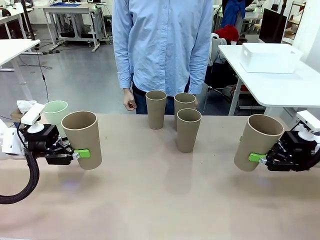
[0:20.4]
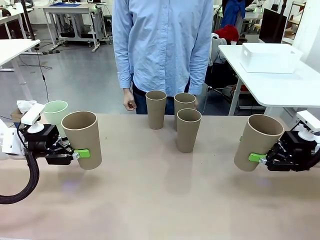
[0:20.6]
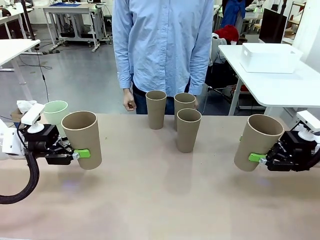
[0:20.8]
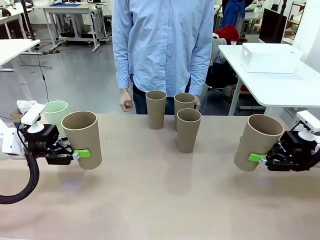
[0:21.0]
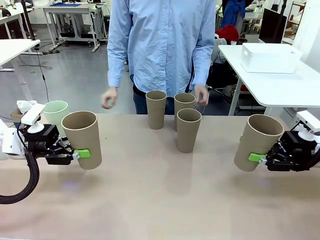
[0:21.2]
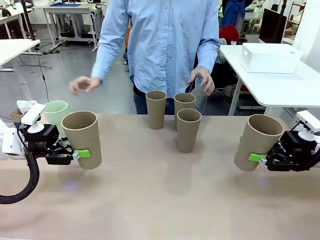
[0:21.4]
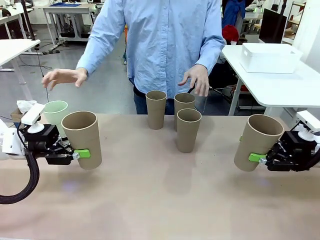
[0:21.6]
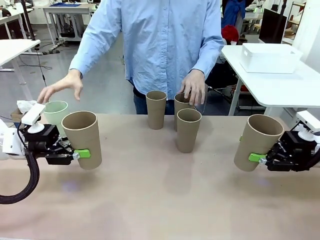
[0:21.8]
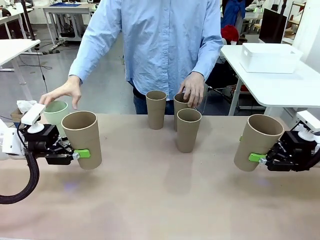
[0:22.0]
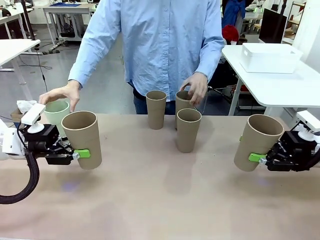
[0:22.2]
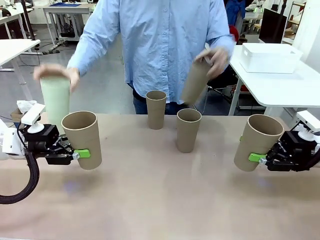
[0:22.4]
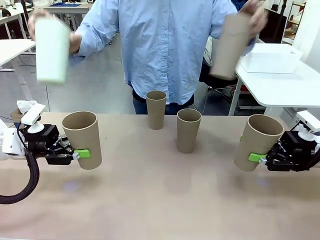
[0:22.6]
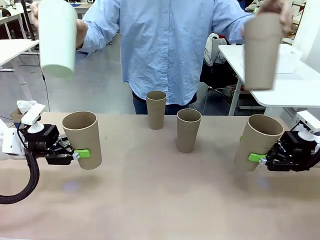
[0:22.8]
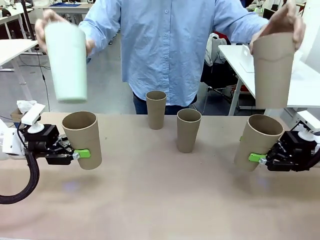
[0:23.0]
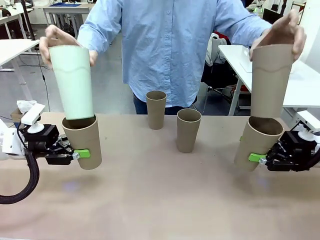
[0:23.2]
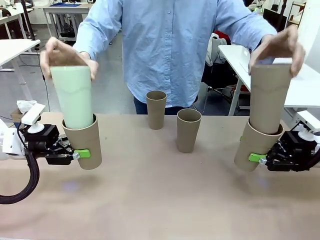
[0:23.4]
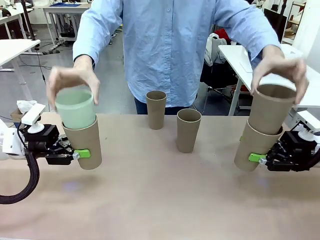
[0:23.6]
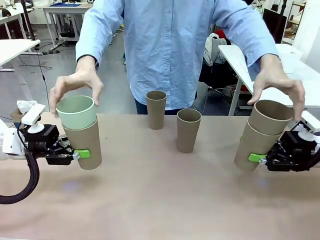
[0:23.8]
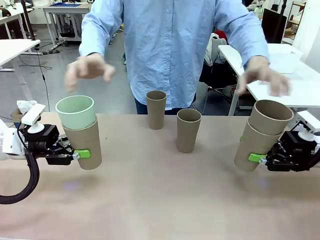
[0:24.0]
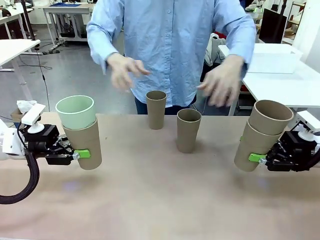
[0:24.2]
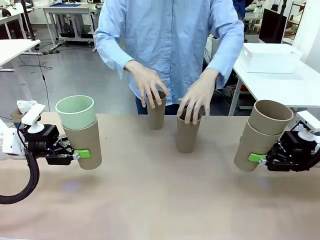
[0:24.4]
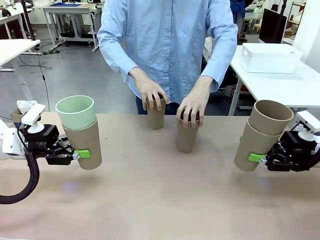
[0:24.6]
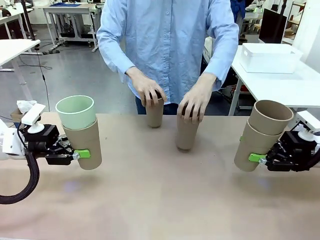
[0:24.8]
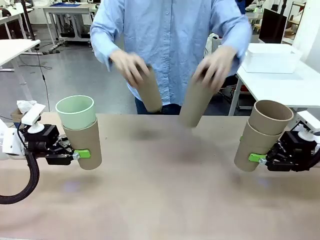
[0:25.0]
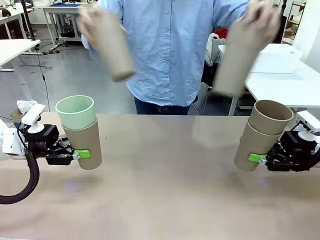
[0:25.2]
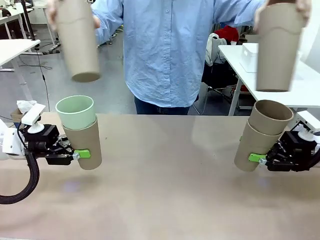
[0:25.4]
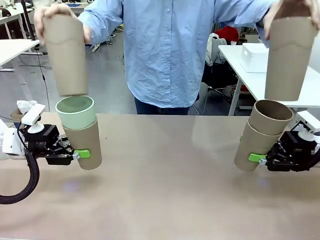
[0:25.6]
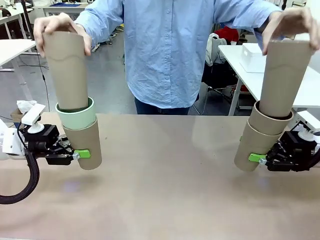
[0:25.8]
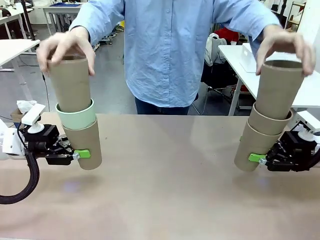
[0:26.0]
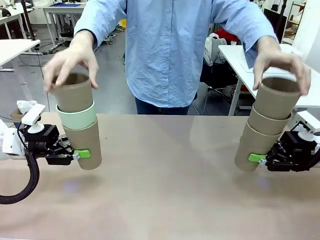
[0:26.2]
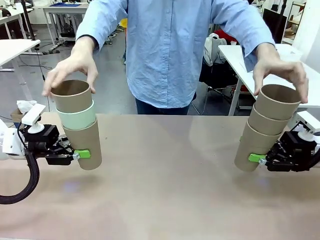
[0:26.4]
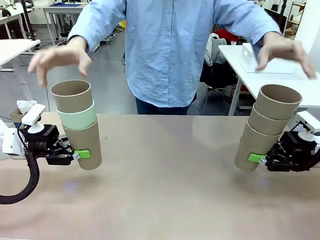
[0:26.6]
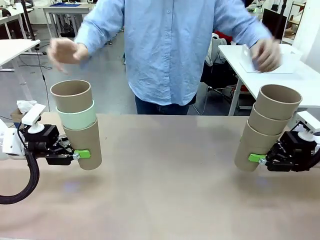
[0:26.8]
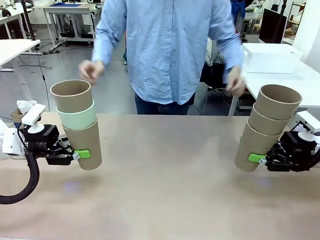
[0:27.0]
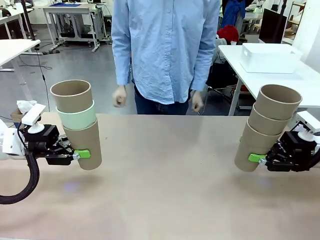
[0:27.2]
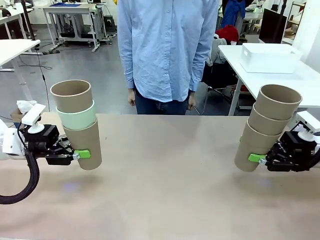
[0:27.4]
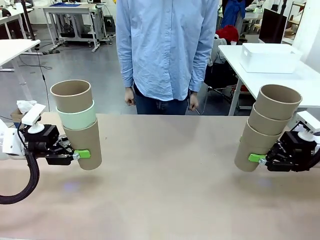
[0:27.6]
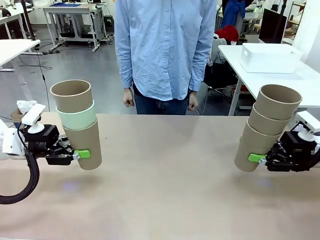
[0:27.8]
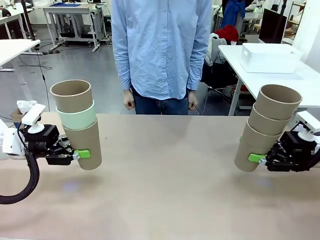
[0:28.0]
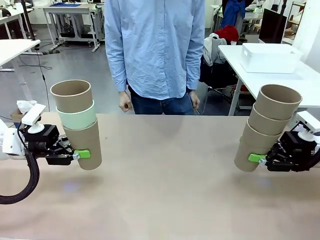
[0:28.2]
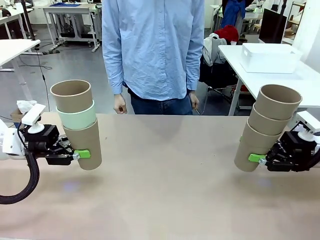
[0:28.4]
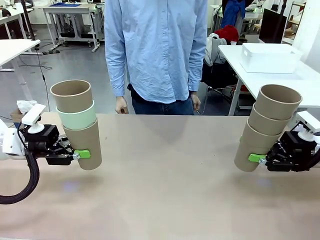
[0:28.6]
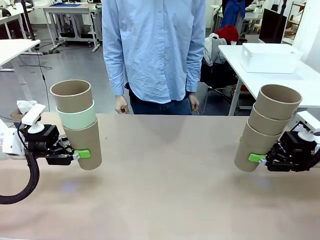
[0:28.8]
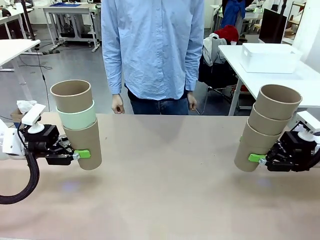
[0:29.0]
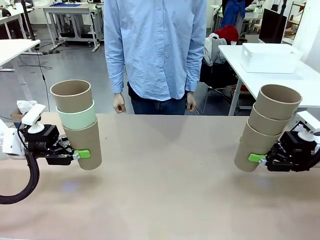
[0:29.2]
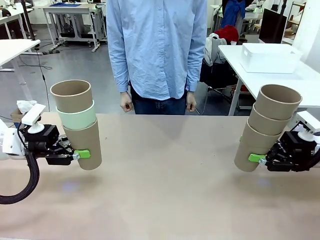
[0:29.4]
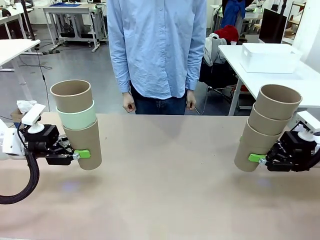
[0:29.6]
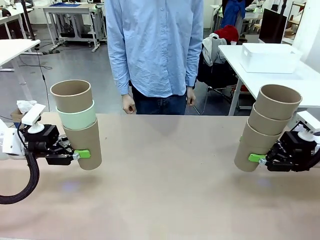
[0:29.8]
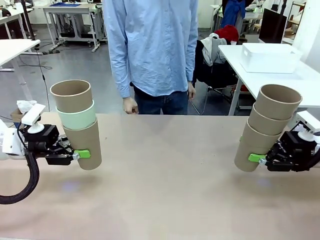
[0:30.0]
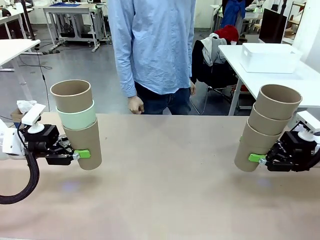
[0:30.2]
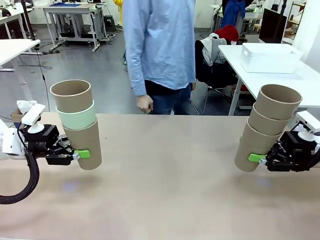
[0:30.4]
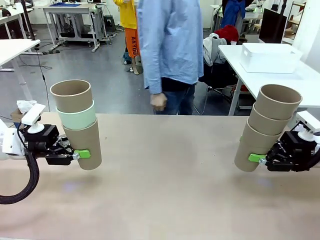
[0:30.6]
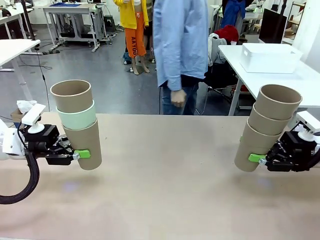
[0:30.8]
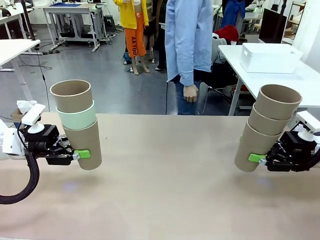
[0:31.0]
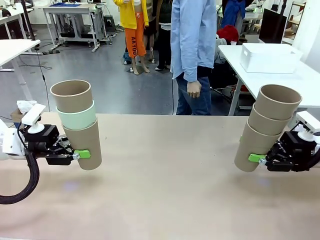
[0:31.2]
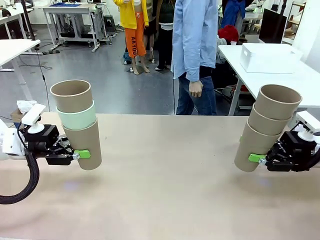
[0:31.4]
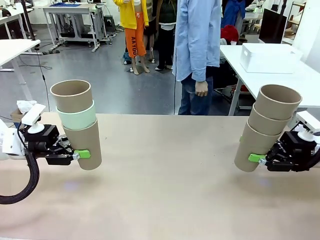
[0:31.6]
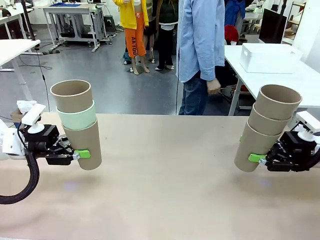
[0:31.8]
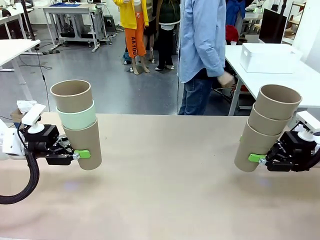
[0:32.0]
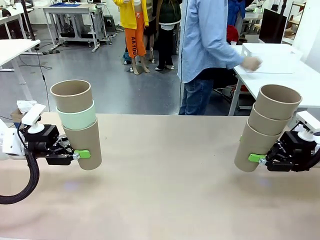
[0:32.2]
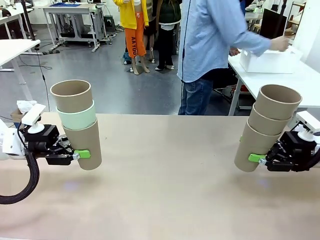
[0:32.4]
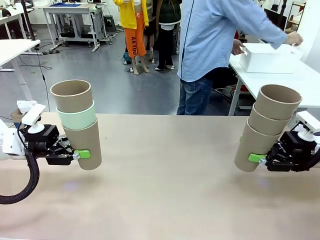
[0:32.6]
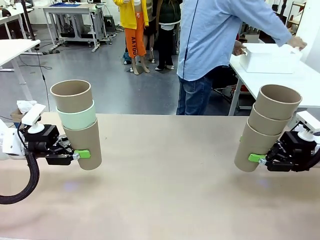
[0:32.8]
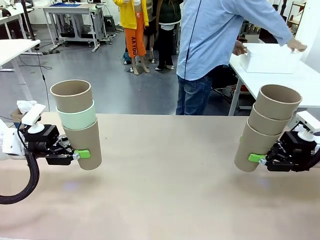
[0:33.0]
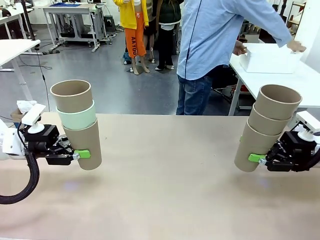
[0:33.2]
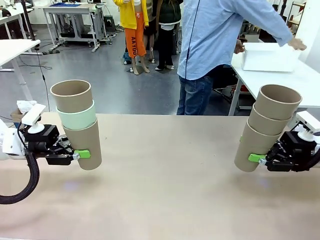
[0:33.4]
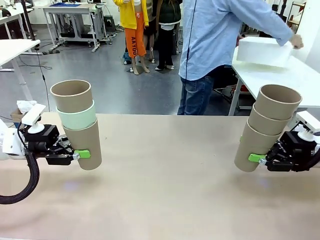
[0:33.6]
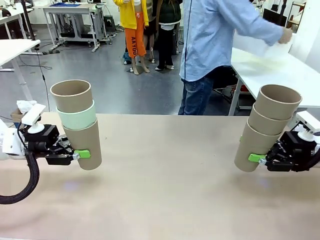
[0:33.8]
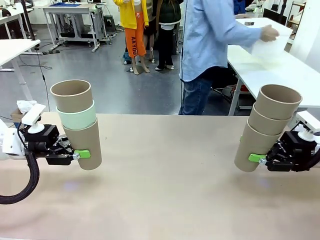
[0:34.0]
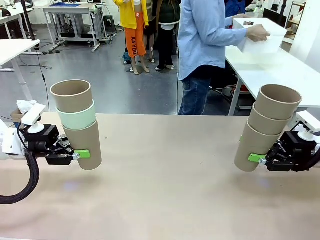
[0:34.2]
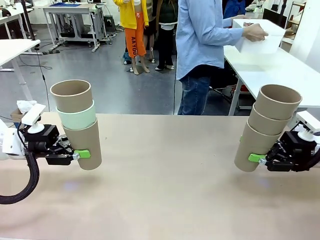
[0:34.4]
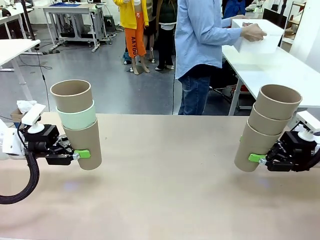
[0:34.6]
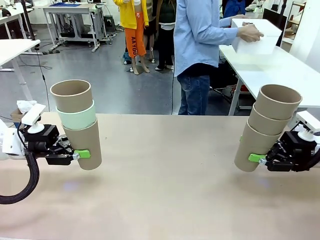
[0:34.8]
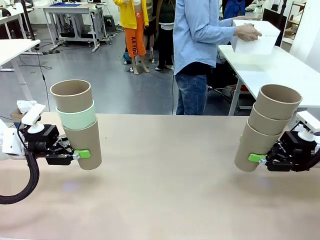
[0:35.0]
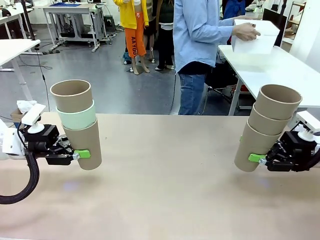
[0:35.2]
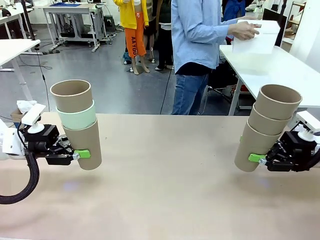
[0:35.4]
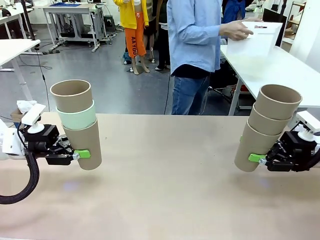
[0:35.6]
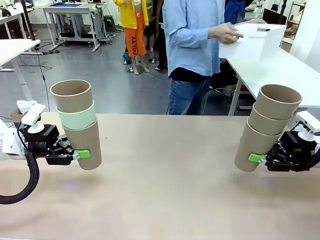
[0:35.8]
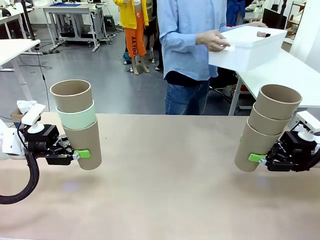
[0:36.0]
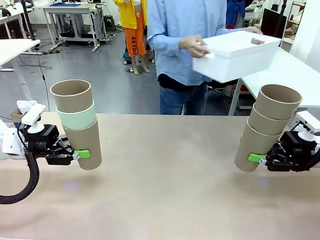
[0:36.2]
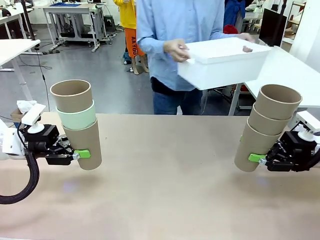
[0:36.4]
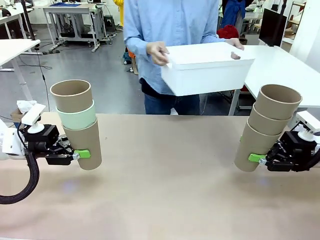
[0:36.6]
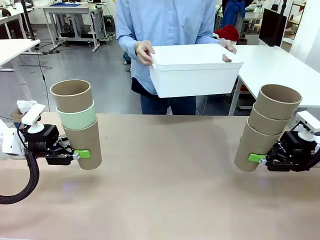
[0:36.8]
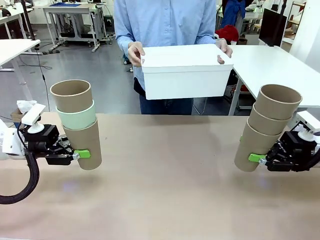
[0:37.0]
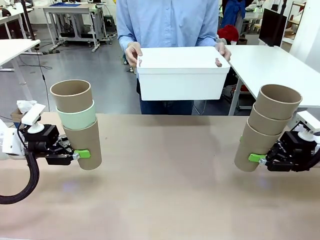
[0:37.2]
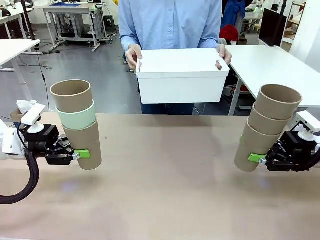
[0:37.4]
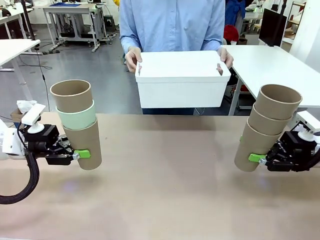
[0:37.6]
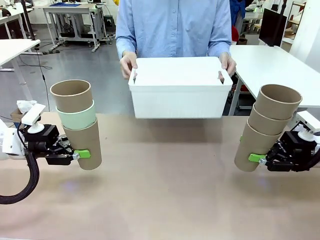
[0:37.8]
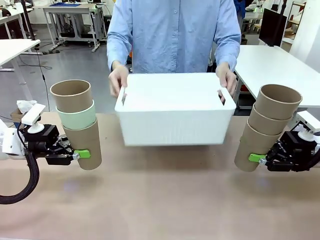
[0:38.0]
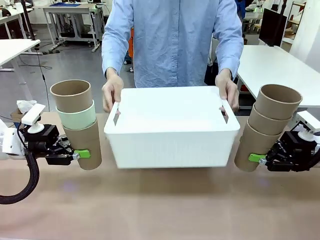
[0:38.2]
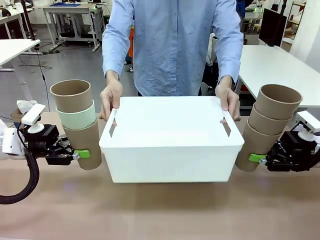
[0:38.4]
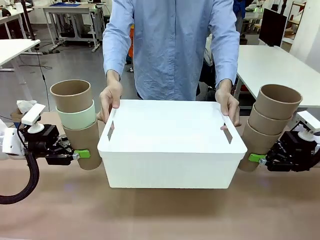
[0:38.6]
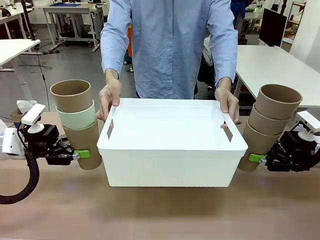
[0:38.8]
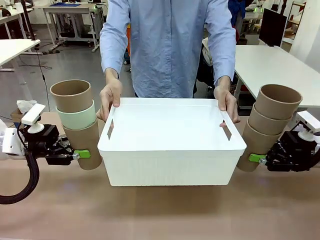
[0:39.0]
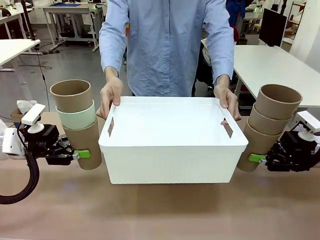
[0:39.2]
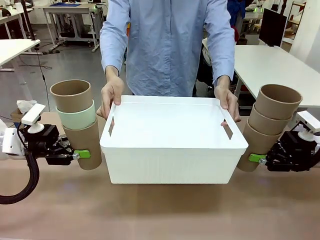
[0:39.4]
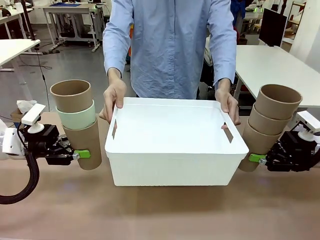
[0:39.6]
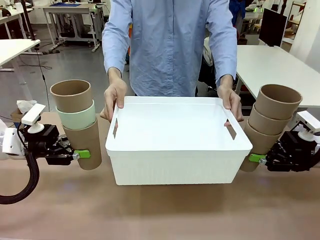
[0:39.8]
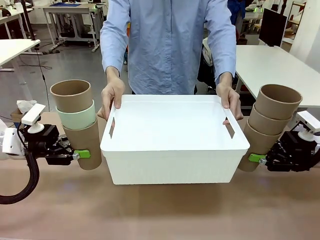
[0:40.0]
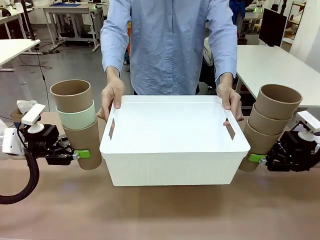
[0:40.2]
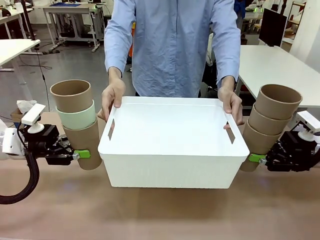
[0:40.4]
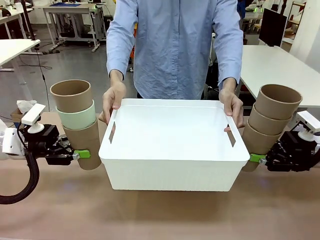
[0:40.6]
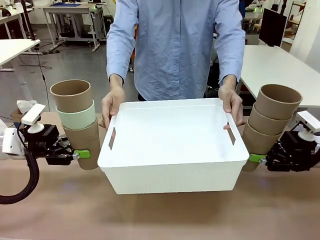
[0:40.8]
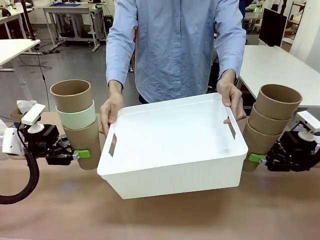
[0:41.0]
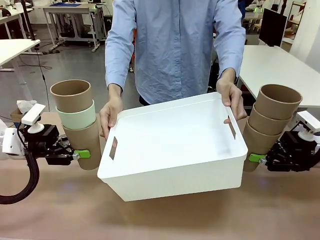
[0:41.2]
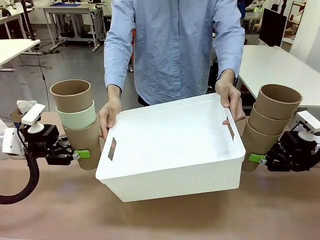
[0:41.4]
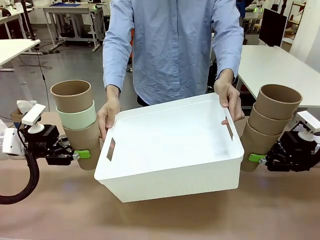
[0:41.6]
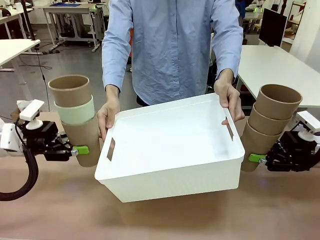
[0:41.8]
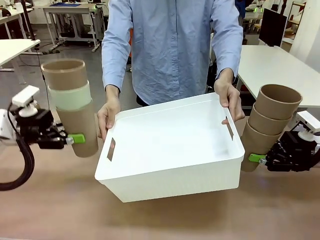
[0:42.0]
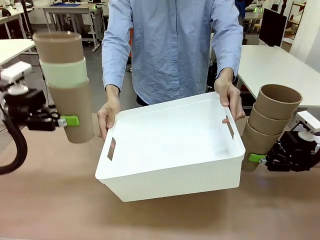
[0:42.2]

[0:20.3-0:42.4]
Task: Stack the cups and store them in the basket.
Robot: Place the stack of Reusable plastic cups into the Pantry Basket.
Person: Pick up the basket from the Human Table, bring it to the front of the robot, and present it.
